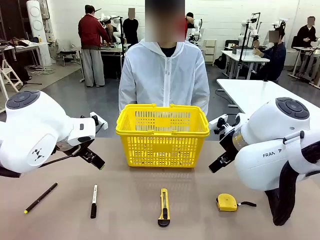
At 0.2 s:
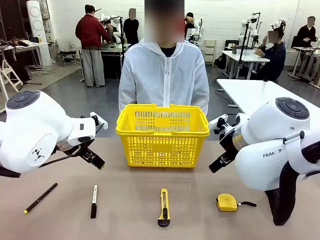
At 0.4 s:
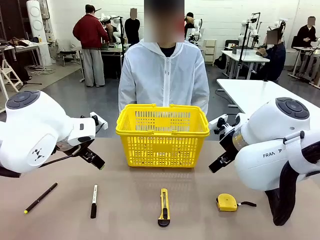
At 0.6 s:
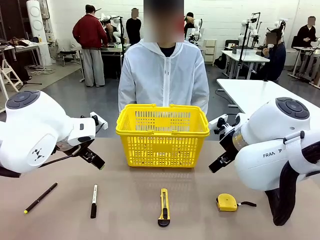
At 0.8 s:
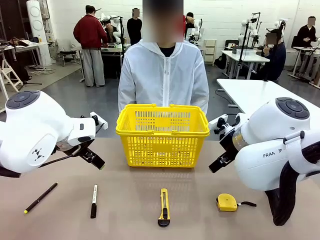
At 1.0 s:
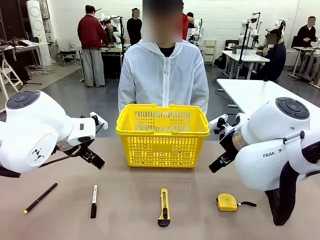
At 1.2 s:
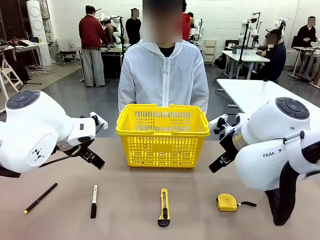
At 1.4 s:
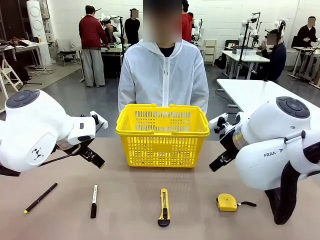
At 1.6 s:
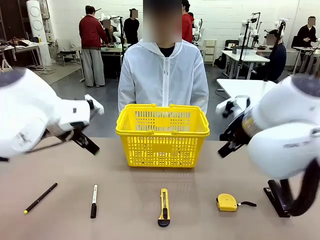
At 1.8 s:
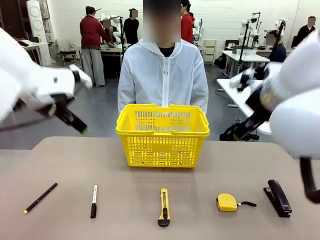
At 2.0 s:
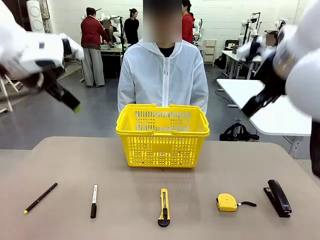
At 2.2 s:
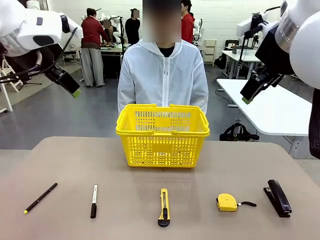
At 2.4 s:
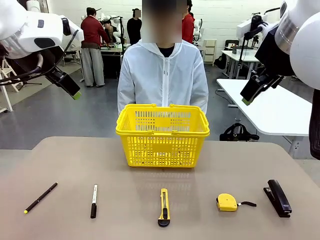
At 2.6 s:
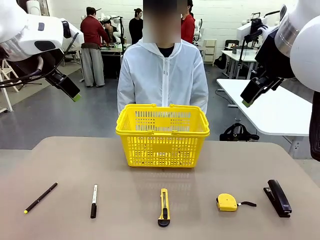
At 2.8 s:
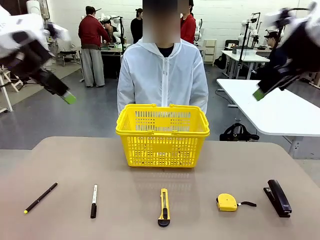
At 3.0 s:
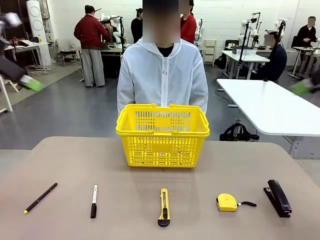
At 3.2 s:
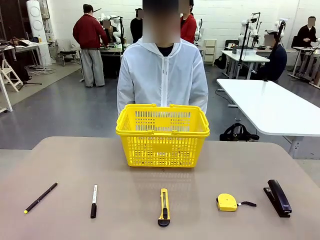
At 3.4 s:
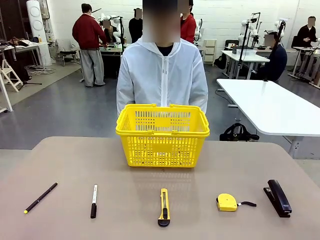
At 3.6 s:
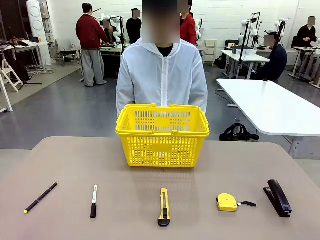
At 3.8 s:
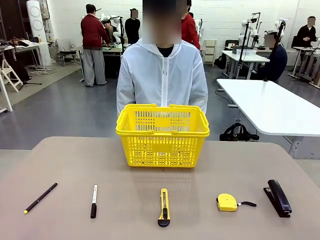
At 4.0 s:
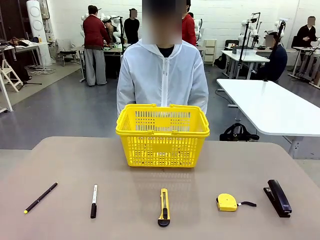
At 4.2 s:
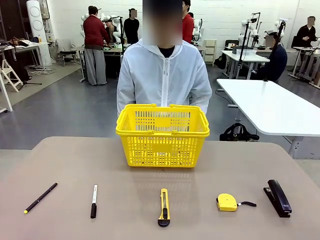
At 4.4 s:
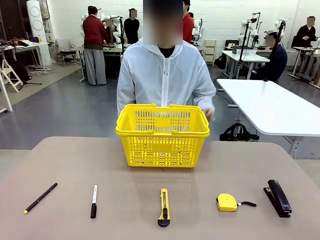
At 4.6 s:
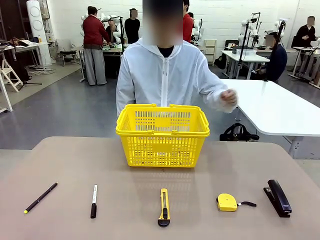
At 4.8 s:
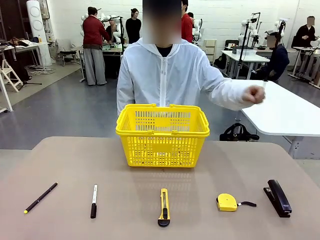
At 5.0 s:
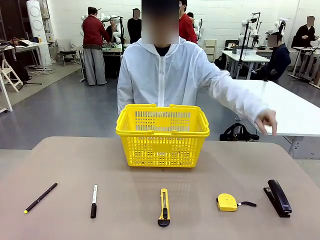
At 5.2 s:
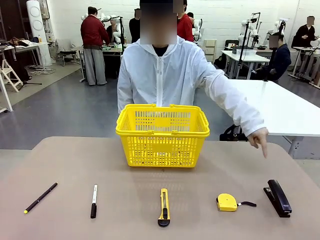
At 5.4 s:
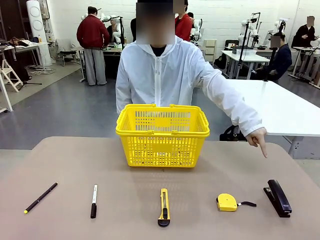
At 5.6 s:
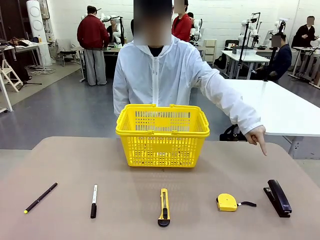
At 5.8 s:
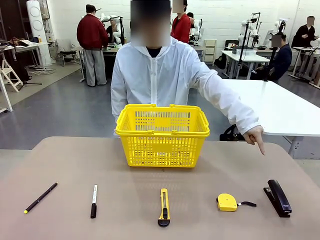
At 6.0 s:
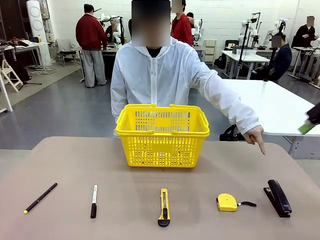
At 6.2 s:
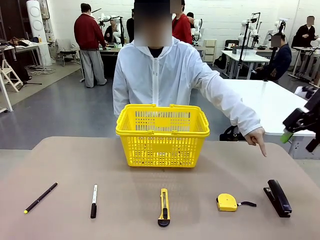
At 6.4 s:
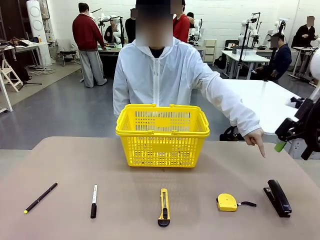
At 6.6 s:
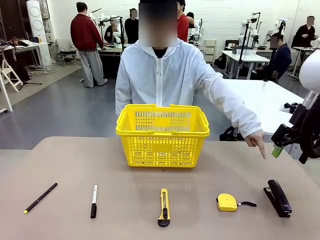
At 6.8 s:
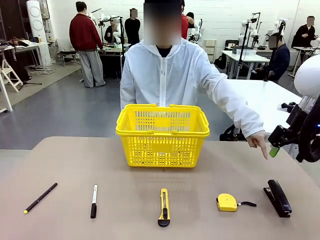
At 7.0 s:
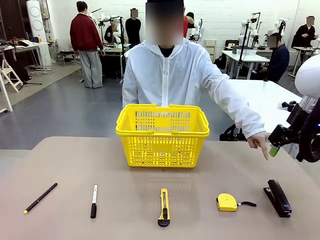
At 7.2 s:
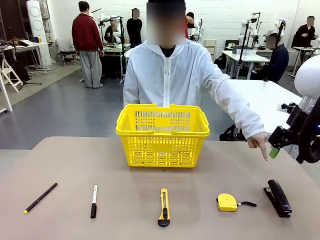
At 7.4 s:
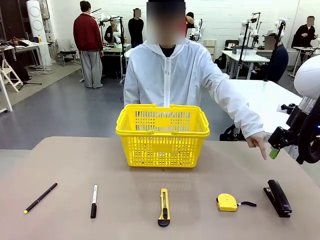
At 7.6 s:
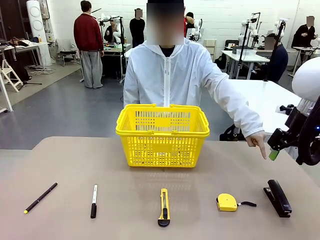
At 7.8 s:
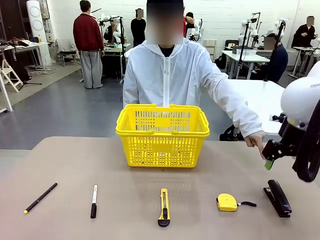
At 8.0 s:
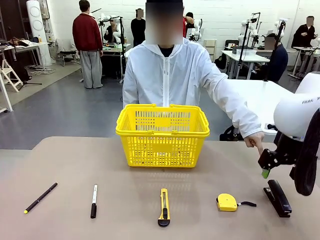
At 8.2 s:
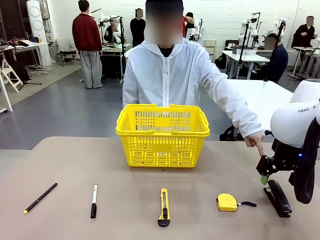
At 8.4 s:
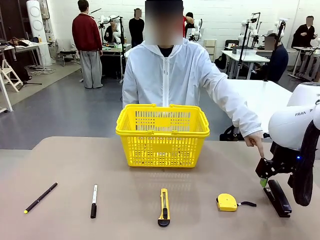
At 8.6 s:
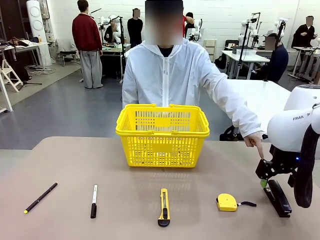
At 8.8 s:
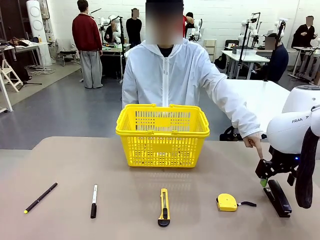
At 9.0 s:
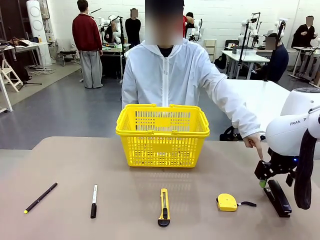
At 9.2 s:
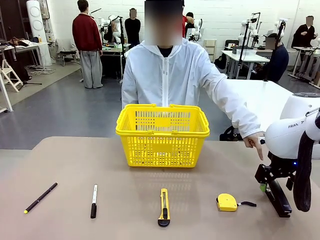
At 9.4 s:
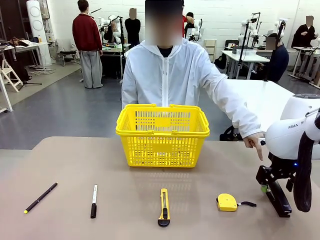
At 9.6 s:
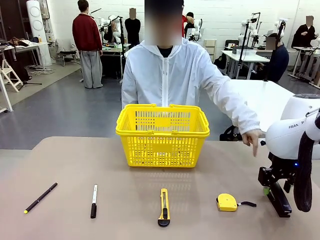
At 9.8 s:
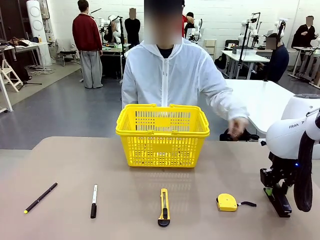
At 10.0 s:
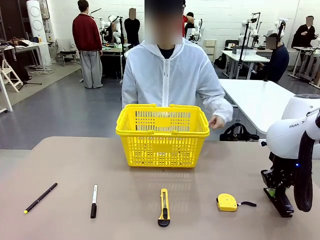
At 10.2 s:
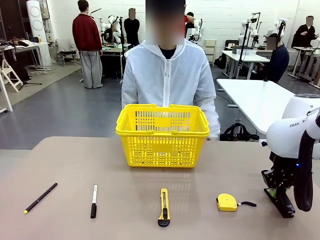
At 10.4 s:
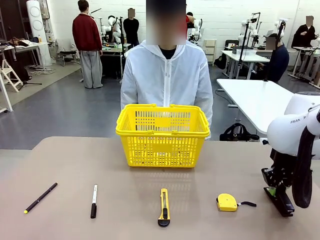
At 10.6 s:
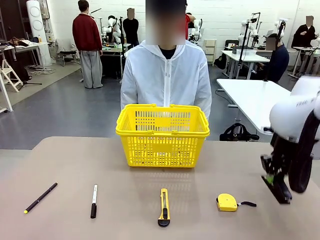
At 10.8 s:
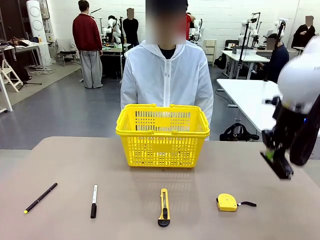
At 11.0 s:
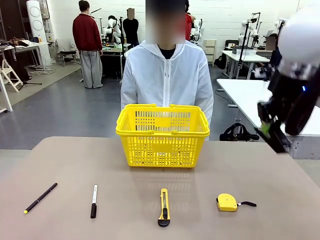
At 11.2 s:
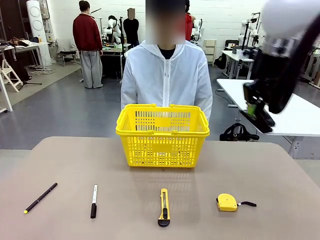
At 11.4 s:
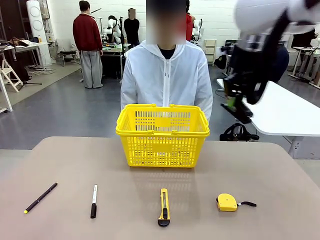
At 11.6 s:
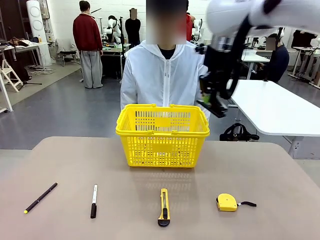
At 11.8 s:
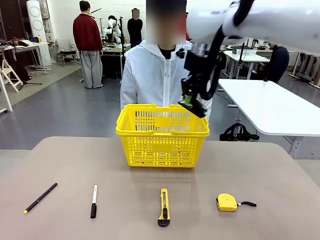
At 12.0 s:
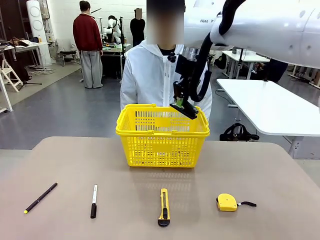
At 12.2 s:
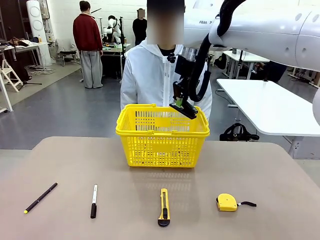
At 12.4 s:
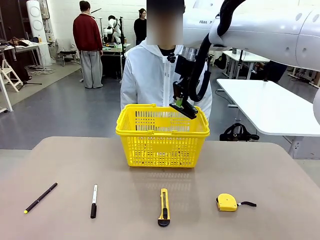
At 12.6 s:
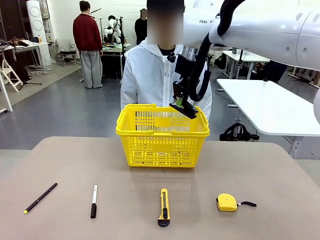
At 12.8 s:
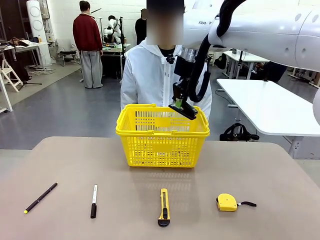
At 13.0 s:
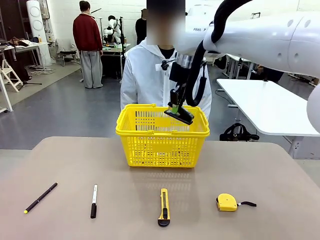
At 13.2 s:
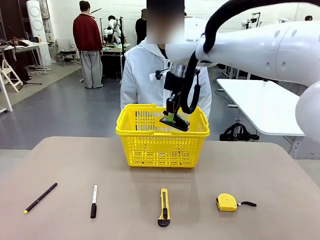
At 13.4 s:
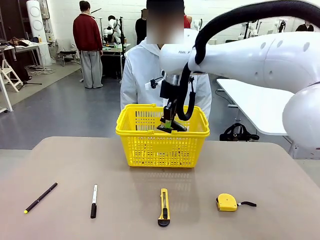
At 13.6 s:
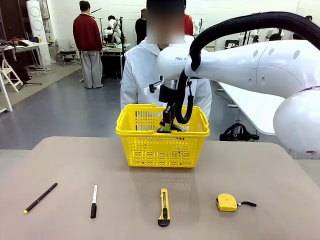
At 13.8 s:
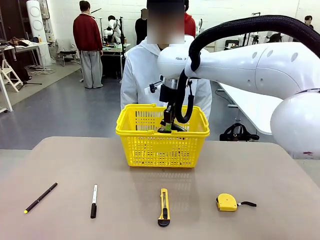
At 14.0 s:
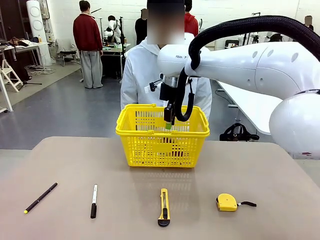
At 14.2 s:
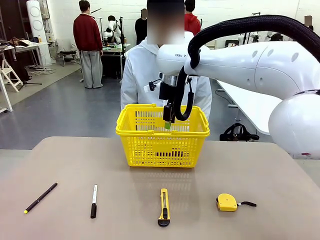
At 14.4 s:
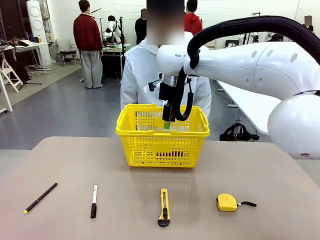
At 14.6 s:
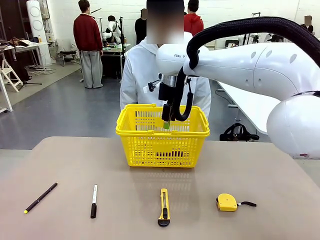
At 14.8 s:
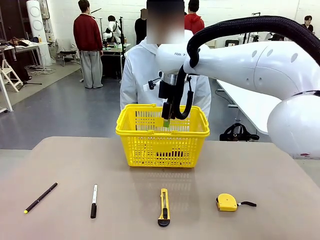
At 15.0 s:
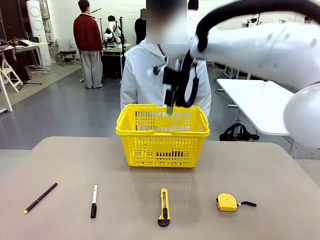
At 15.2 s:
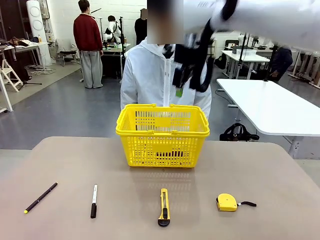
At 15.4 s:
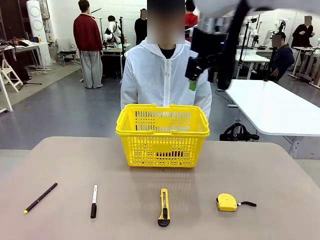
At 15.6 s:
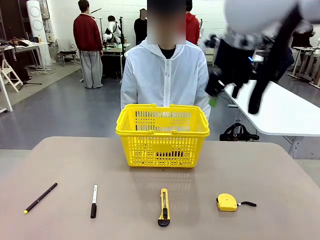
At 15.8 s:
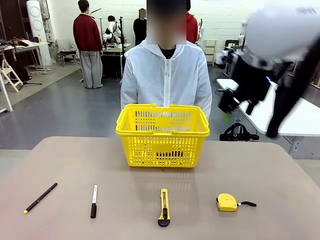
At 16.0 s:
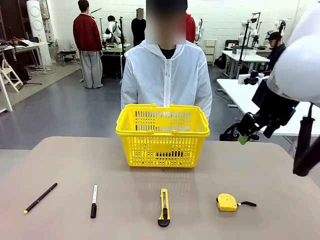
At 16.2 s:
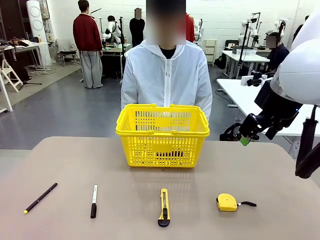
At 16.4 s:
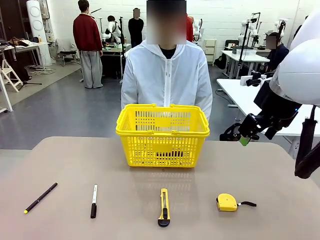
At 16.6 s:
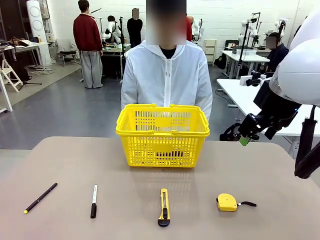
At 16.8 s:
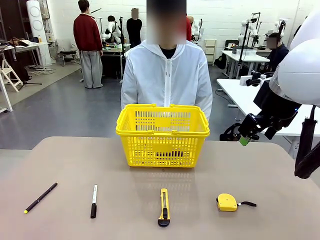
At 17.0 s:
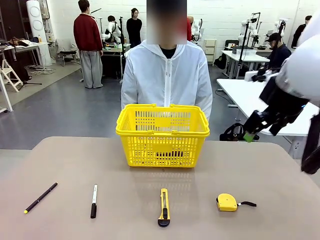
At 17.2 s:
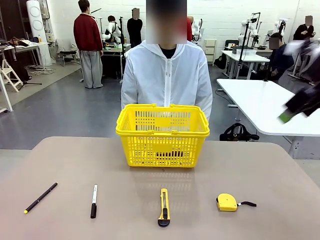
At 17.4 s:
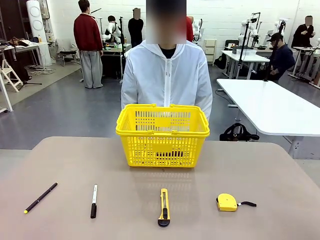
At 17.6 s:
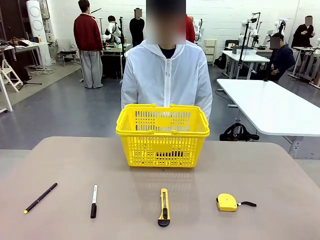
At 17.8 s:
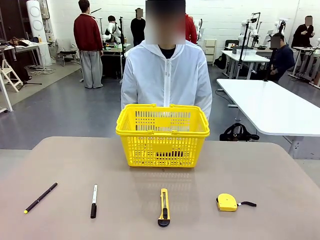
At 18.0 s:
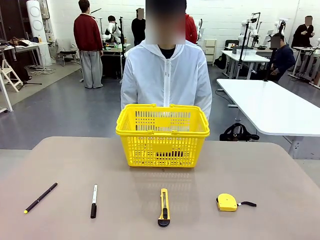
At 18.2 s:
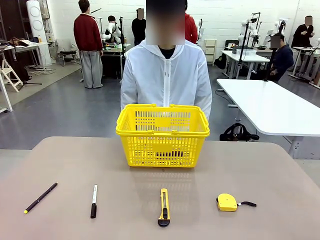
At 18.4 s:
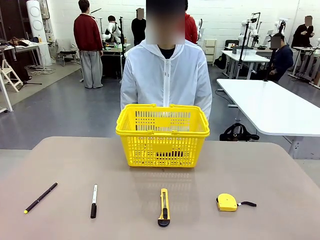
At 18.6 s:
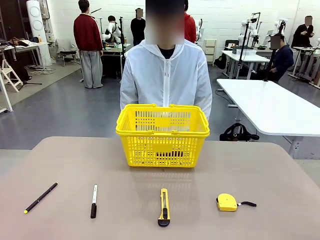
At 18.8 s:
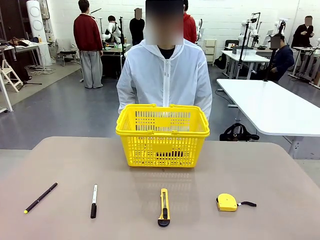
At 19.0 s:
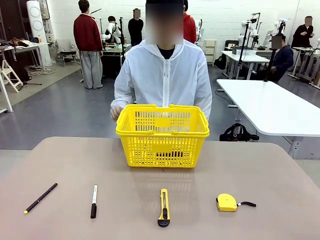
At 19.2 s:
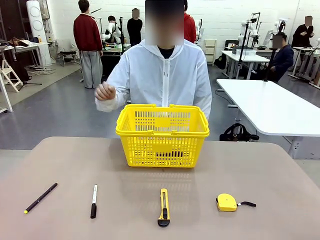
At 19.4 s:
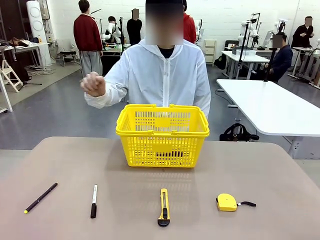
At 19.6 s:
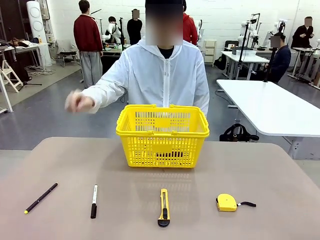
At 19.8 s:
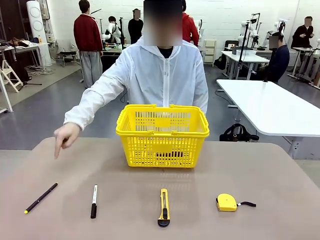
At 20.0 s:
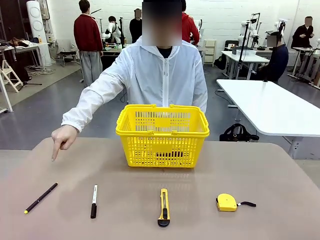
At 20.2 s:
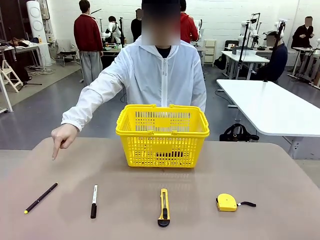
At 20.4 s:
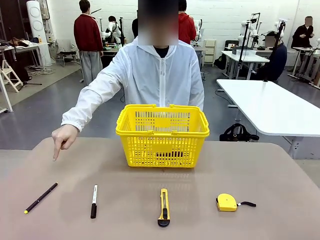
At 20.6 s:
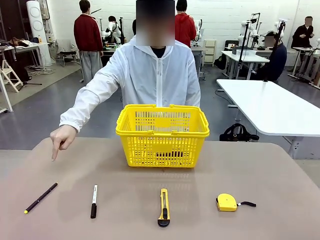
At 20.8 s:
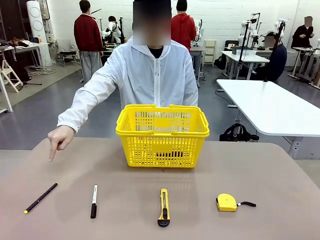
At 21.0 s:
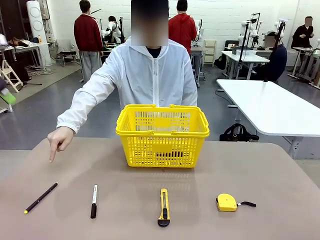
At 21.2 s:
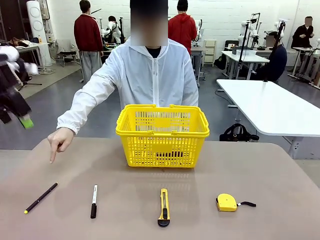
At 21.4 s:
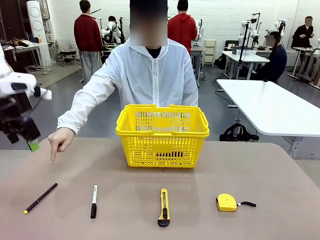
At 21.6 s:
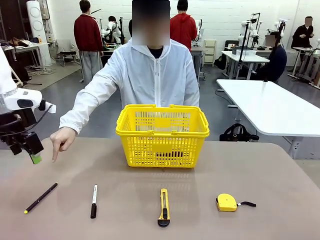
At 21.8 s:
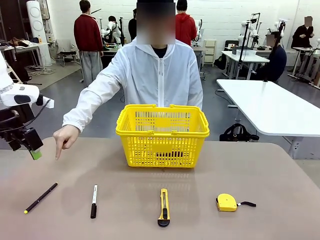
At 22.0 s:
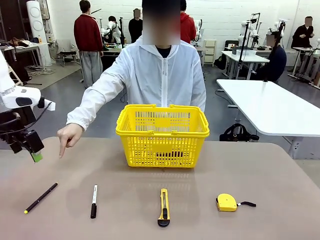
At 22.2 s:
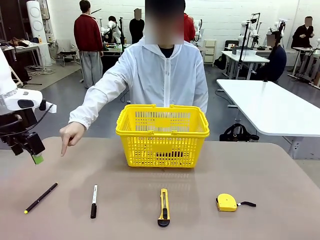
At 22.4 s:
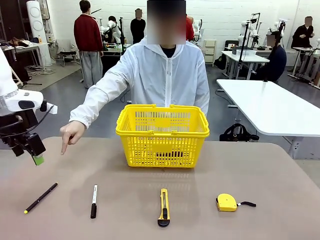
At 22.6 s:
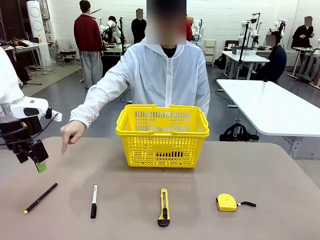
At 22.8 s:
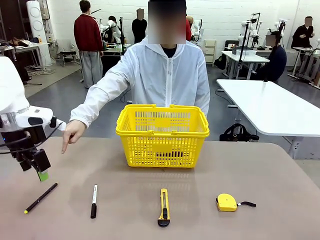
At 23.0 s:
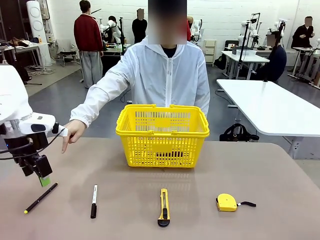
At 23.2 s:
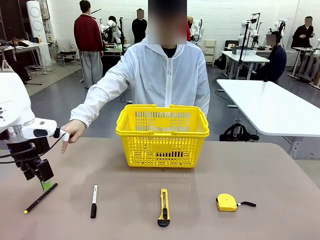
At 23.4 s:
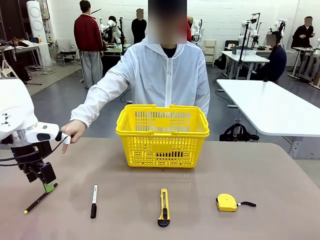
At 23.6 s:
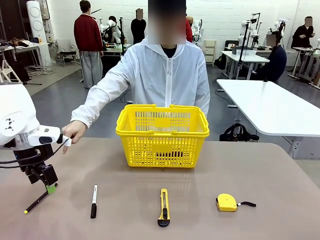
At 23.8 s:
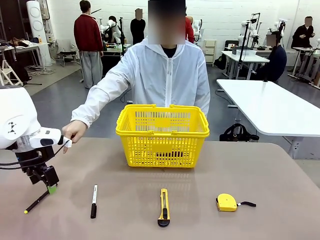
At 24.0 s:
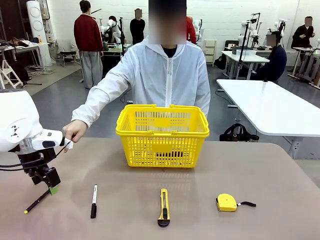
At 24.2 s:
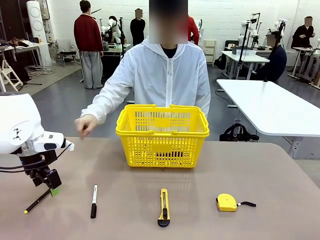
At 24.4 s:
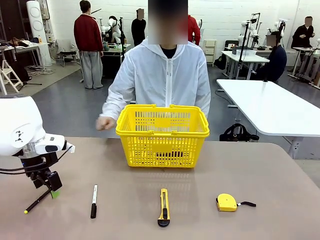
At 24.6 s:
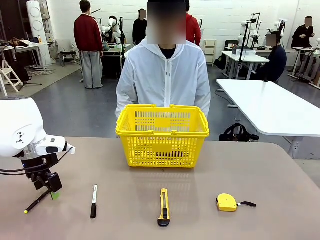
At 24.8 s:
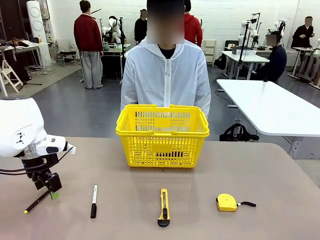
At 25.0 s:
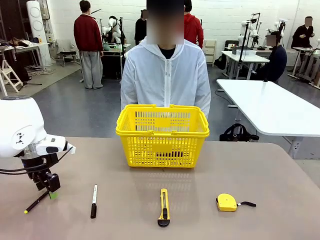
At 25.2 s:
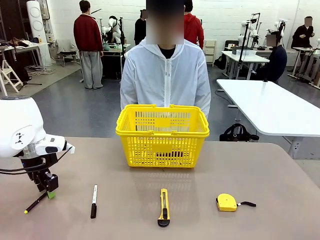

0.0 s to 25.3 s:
Task: Place the items the person wants into the basket.
Robot: Pick up the item the person points to and place it in the Market Basket.
